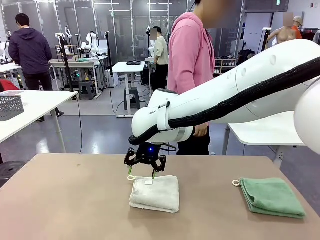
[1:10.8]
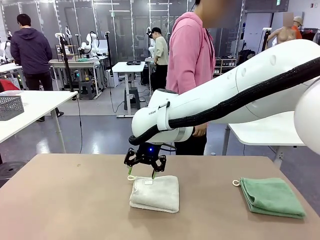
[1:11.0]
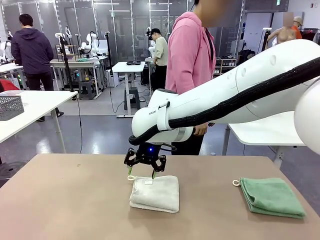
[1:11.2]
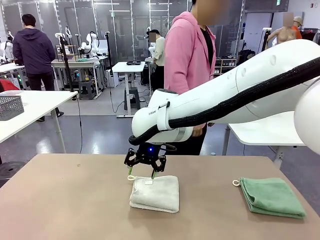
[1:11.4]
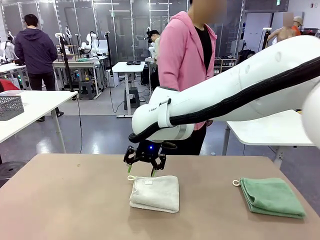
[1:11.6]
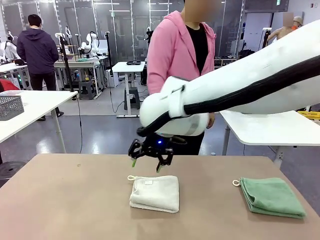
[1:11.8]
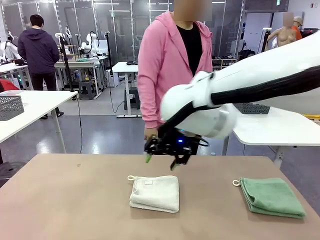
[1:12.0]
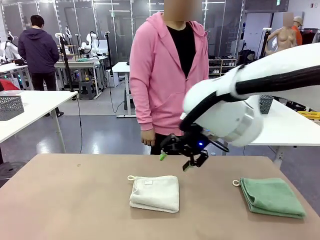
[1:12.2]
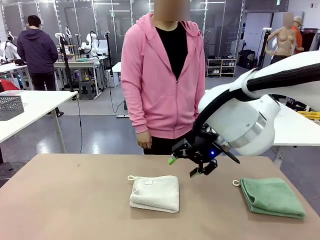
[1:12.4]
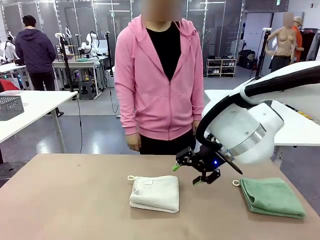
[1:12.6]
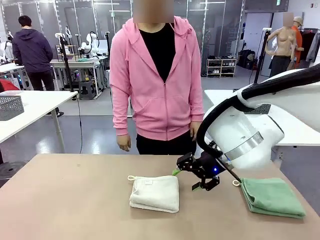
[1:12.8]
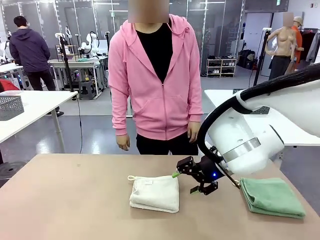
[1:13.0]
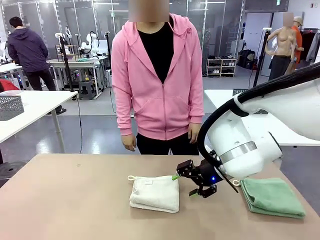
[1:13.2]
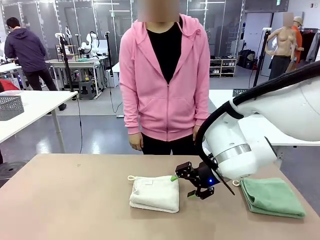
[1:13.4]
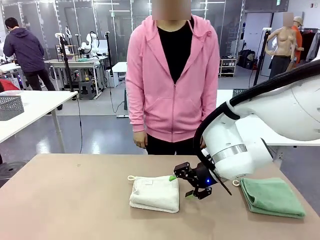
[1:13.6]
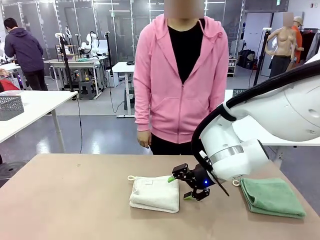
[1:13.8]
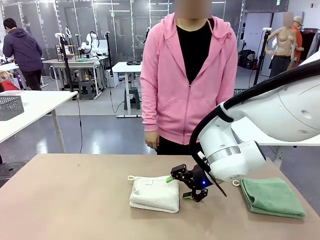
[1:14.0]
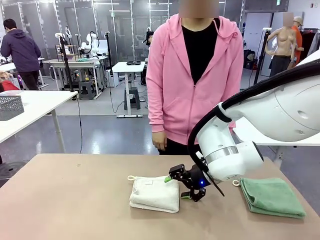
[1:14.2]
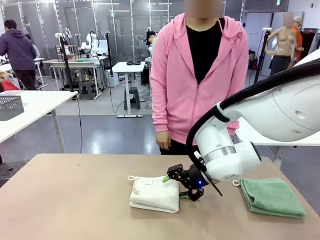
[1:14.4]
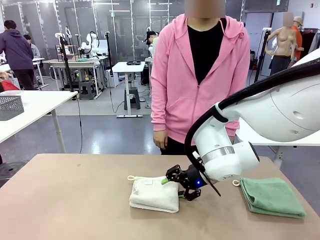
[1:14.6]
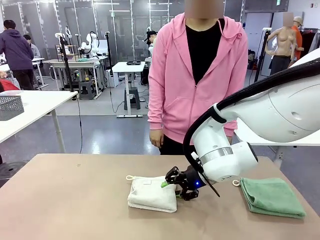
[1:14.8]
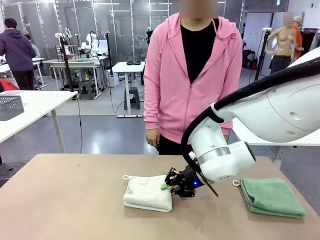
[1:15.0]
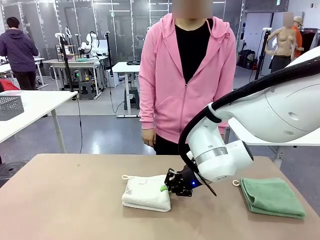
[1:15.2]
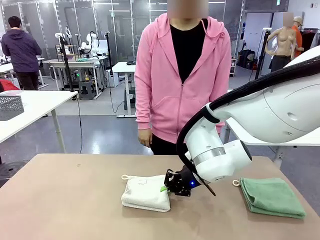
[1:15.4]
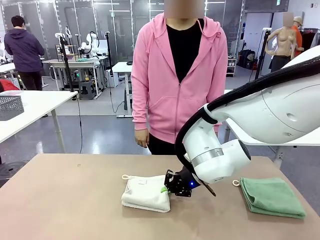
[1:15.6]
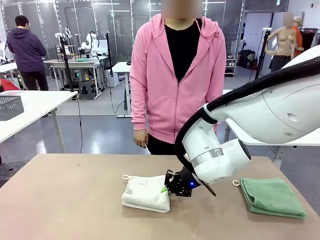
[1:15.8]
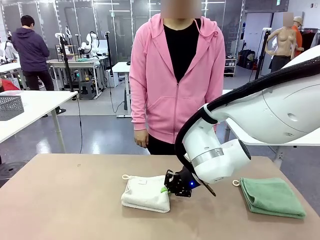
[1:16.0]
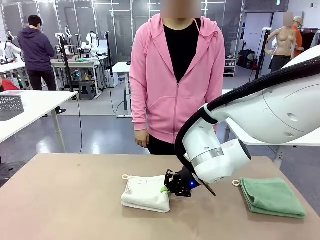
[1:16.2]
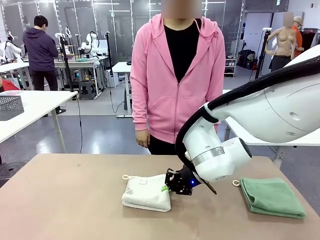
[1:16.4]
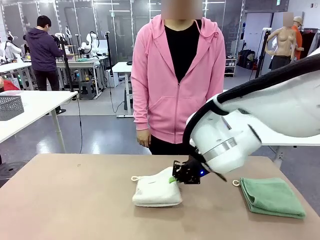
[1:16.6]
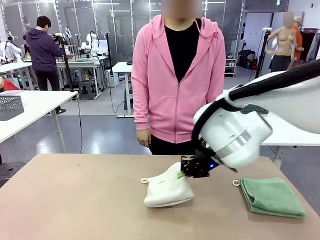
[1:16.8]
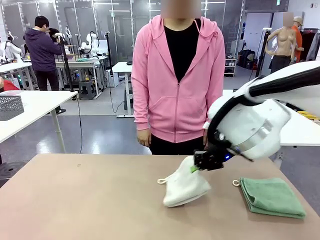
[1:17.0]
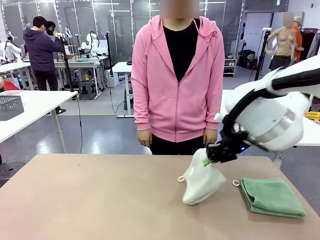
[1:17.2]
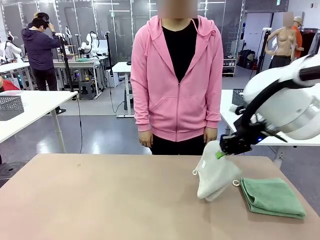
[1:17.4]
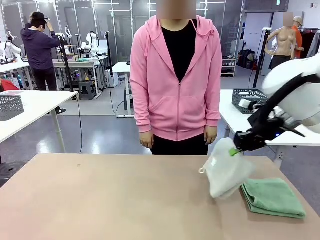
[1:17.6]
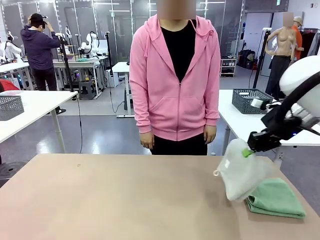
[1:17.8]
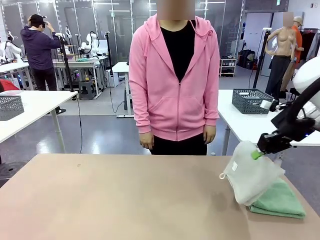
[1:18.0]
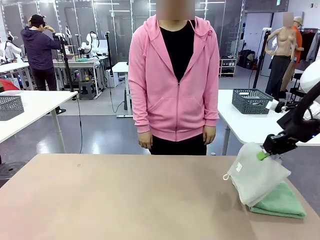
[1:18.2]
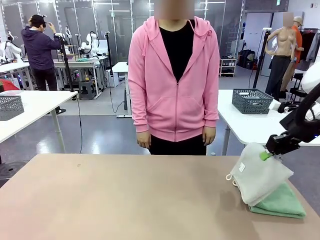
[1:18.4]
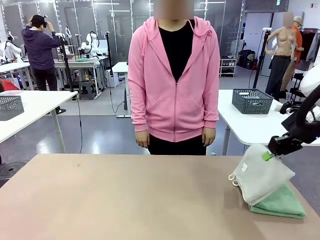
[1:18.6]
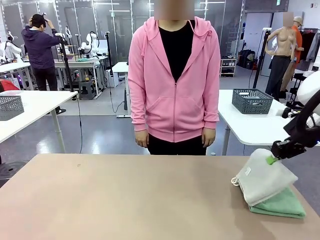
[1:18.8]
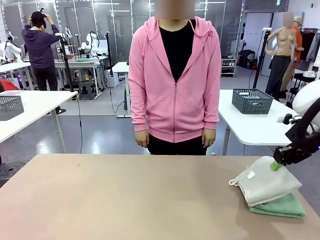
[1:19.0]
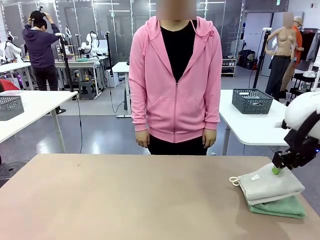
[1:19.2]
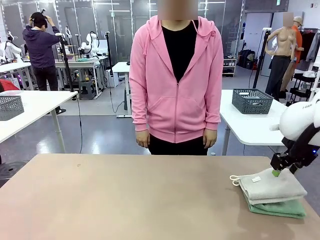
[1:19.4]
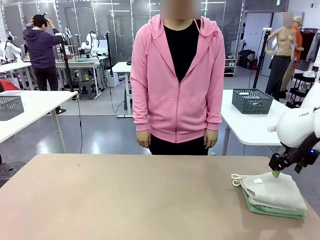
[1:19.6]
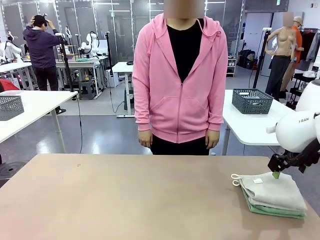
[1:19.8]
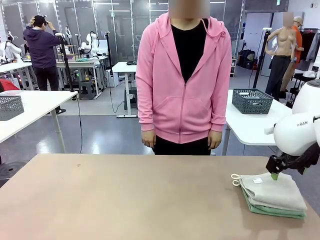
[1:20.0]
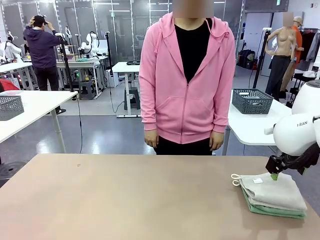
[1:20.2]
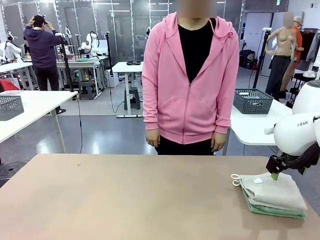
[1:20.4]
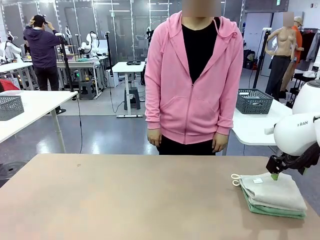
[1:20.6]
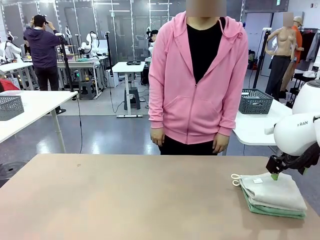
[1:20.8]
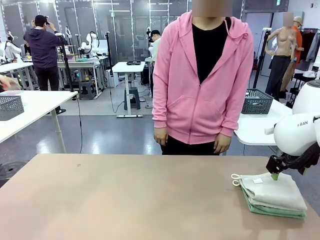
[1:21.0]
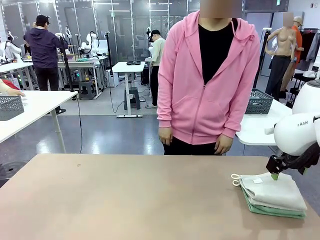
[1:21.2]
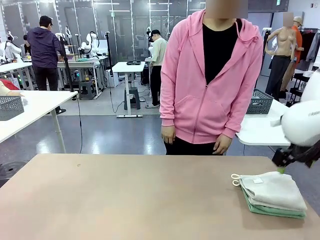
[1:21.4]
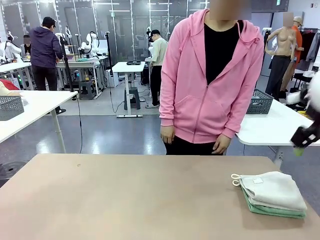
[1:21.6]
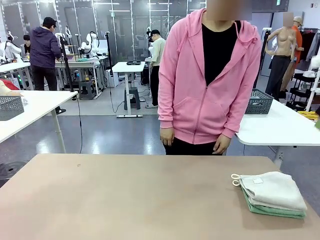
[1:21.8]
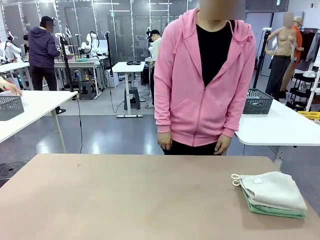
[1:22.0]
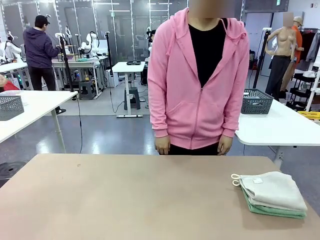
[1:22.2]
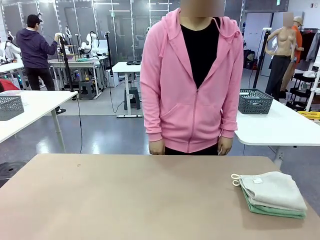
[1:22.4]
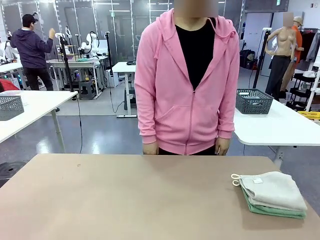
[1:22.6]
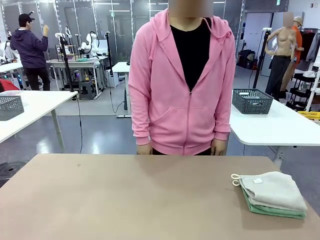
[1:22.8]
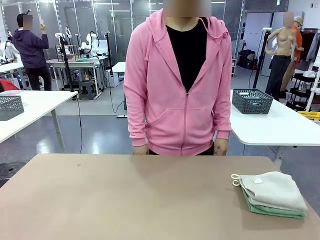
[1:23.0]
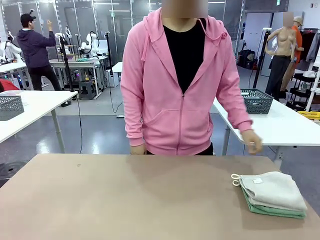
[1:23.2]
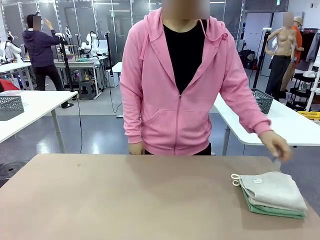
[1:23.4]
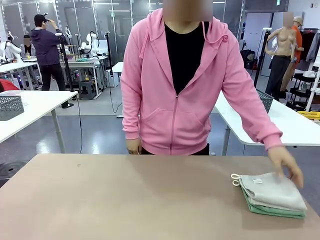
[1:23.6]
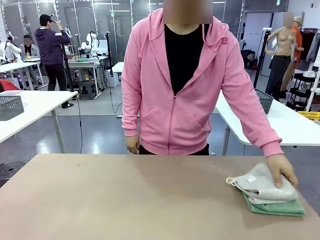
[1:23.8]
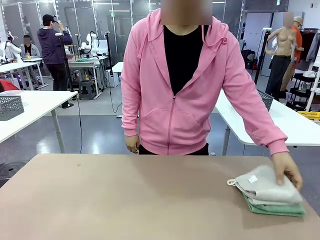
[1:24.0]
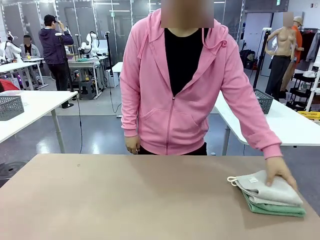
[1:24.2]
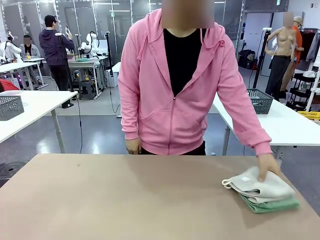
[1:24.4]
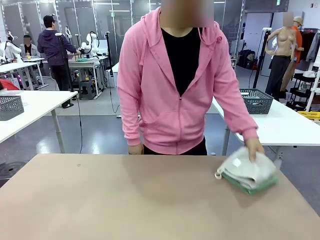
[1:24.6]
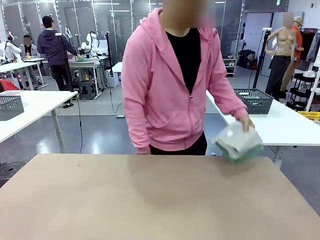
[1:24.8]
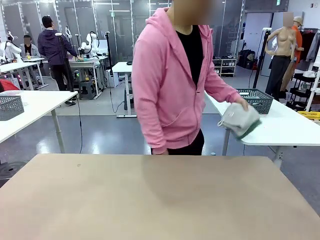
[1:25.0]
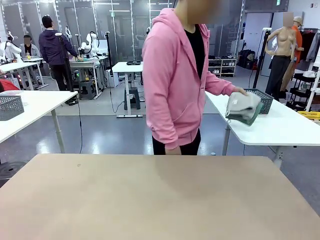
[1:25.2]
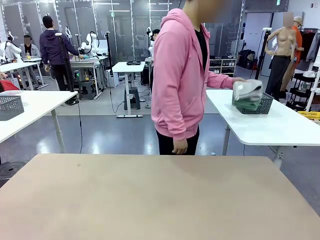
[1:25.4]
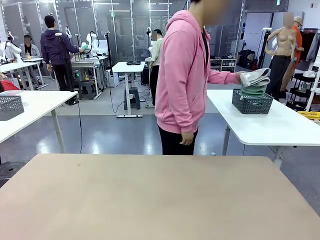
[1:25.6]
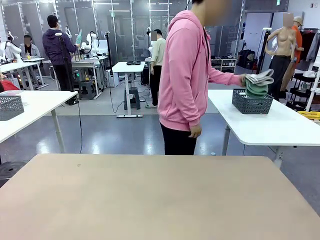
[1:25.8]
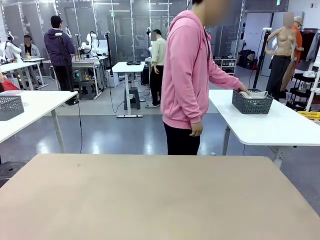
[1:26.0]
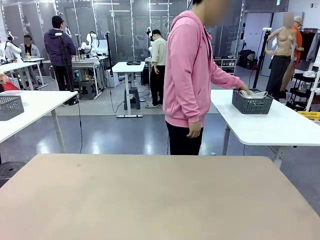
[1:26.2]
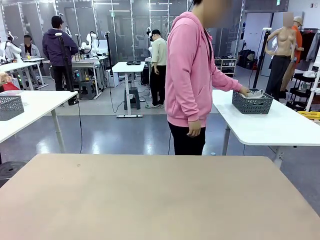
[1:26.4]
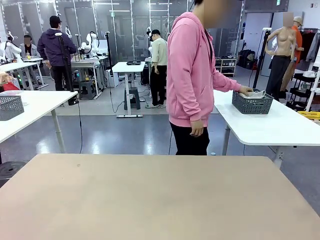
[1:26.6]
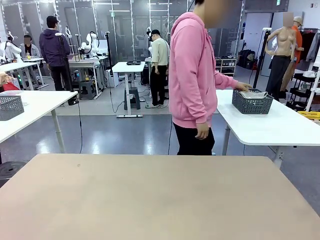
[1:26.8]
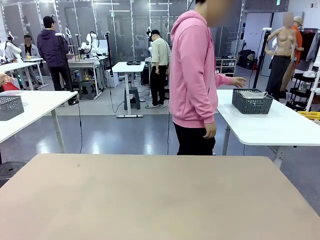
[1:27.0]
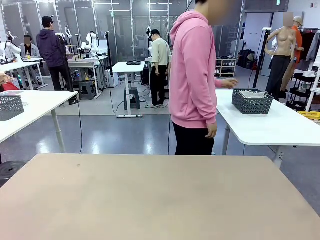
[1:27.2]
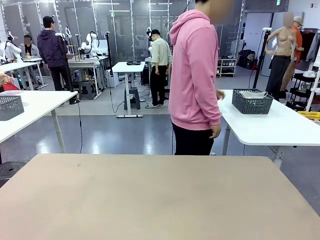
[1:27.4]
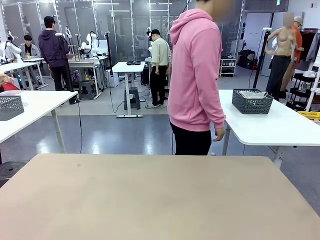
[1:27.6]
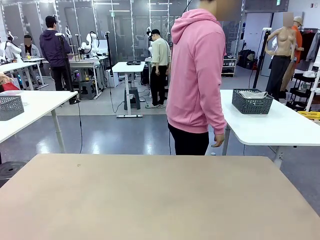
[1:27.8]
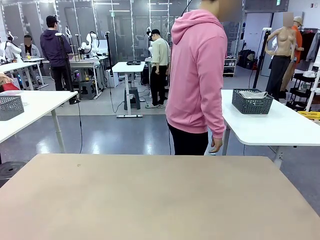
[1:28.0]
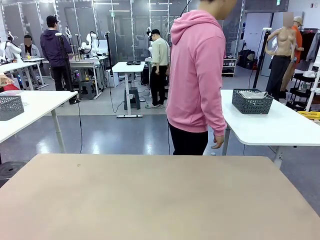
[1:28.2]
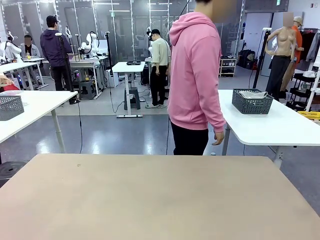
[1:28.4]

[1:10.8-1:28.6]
Task: Fold the towels and place them in the basket.
Robot: Stack the folded Towel with hook on the right side of the table.
Person: Pick up the stack of towels from the robot table and place it into the basket.
